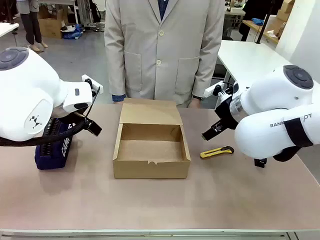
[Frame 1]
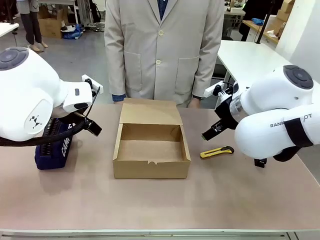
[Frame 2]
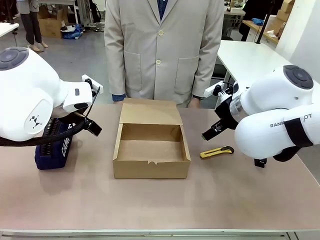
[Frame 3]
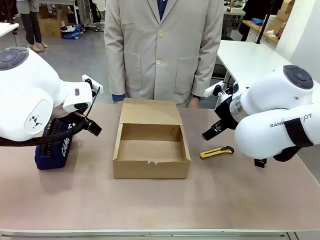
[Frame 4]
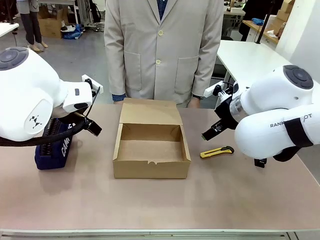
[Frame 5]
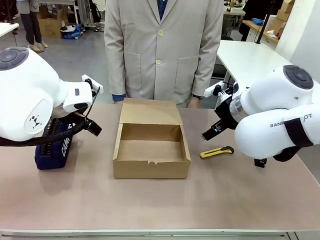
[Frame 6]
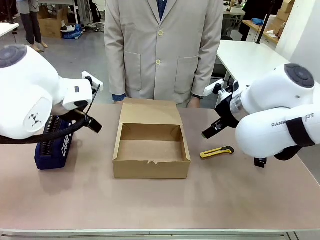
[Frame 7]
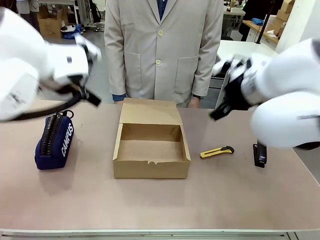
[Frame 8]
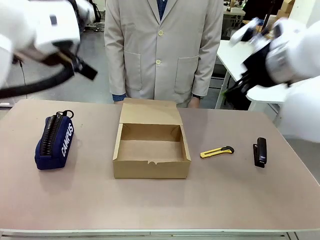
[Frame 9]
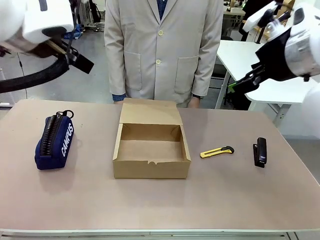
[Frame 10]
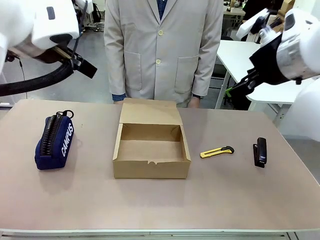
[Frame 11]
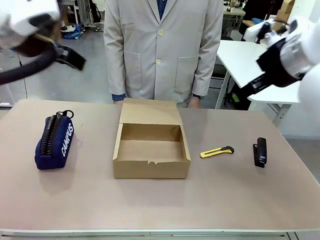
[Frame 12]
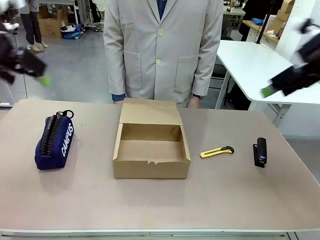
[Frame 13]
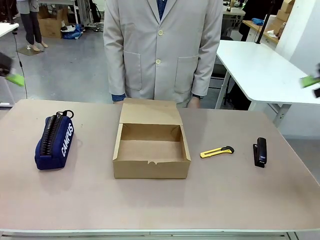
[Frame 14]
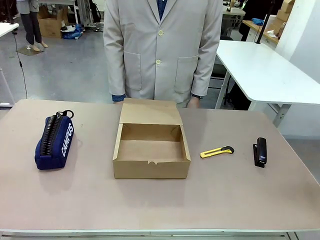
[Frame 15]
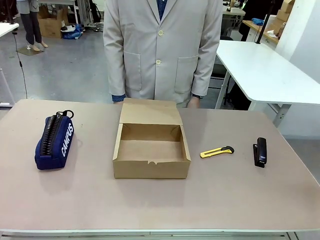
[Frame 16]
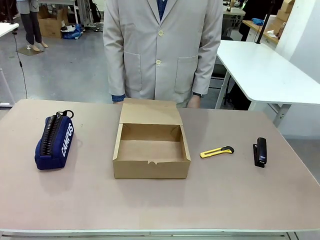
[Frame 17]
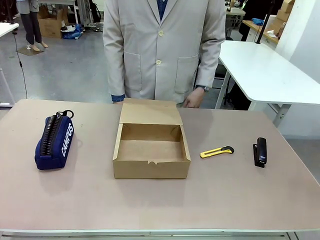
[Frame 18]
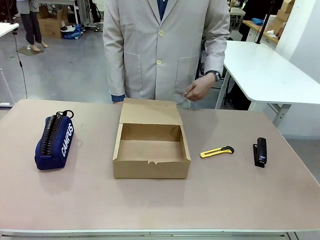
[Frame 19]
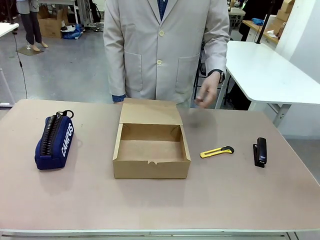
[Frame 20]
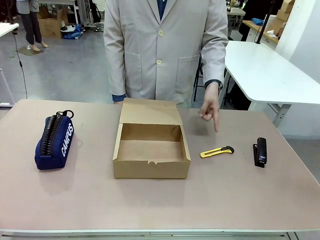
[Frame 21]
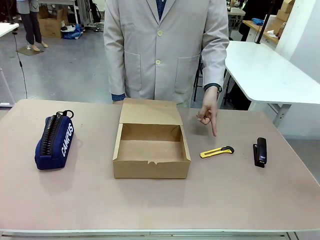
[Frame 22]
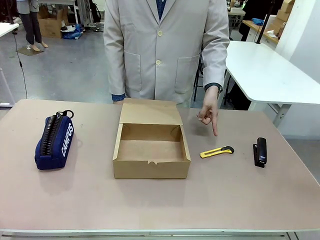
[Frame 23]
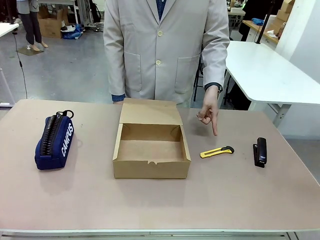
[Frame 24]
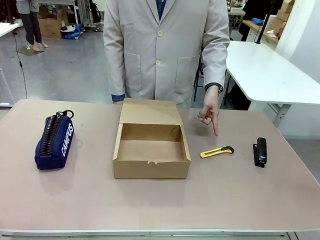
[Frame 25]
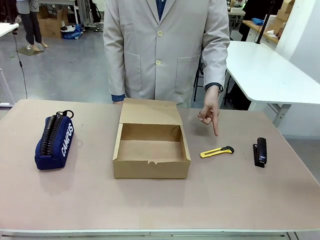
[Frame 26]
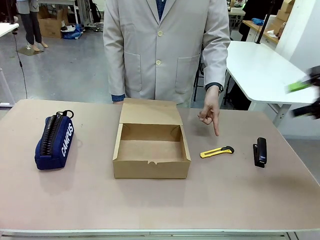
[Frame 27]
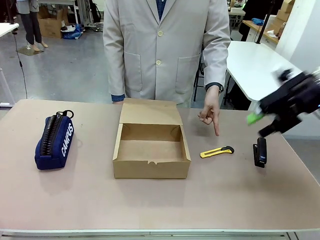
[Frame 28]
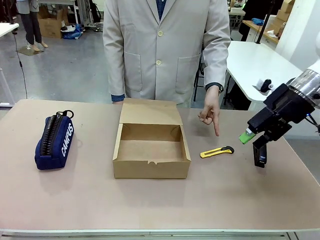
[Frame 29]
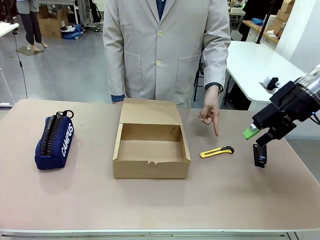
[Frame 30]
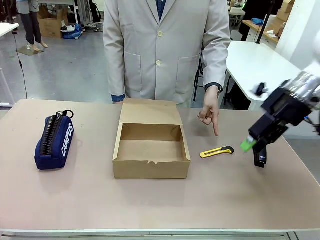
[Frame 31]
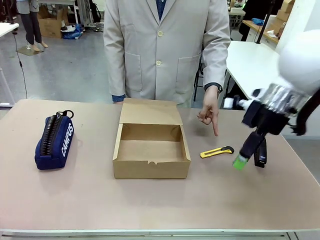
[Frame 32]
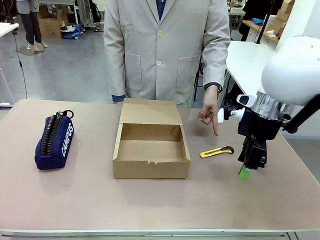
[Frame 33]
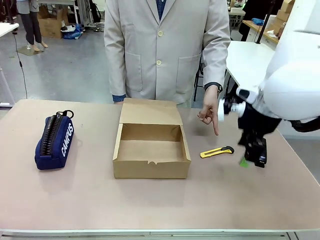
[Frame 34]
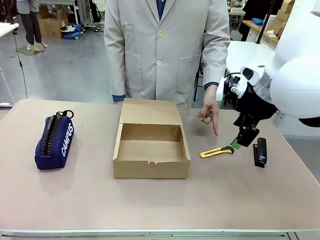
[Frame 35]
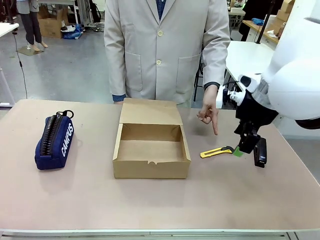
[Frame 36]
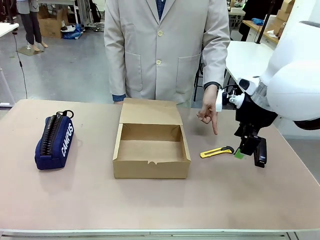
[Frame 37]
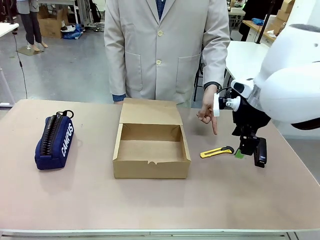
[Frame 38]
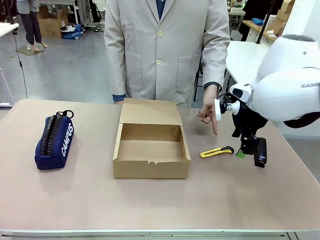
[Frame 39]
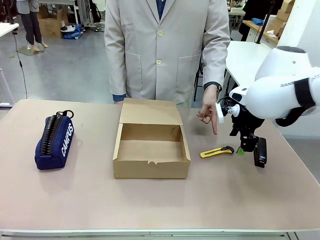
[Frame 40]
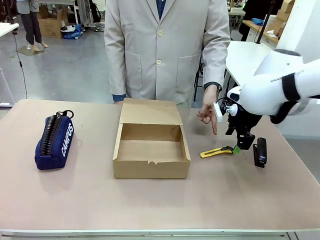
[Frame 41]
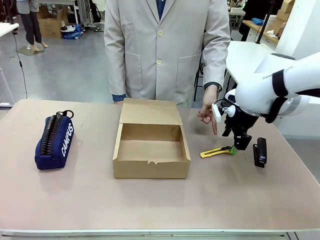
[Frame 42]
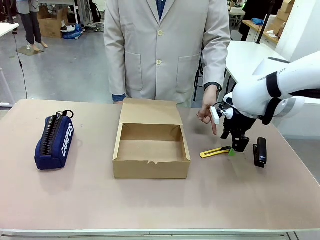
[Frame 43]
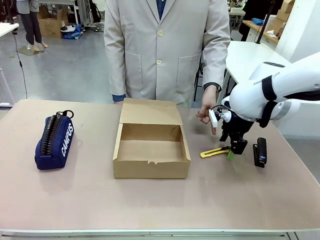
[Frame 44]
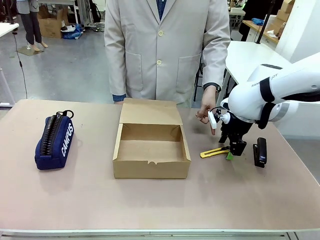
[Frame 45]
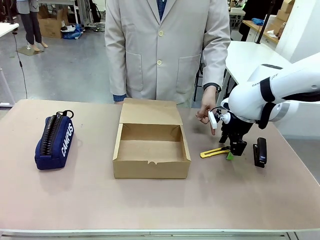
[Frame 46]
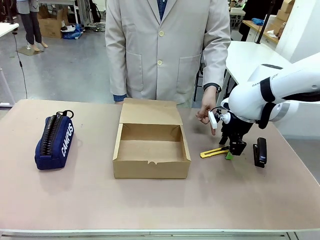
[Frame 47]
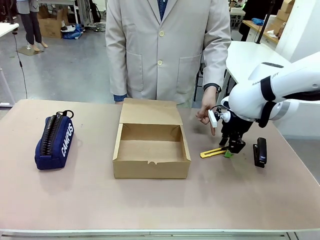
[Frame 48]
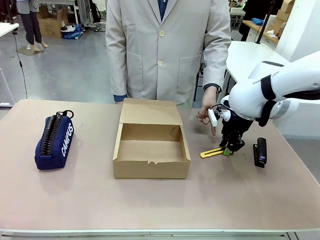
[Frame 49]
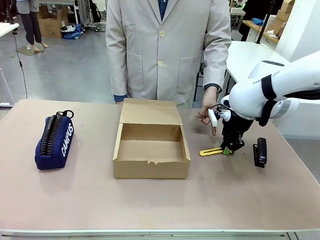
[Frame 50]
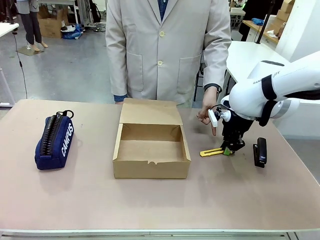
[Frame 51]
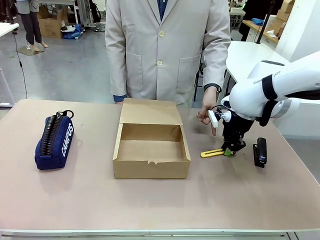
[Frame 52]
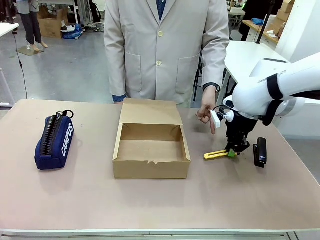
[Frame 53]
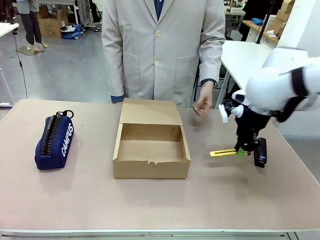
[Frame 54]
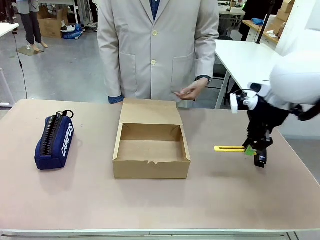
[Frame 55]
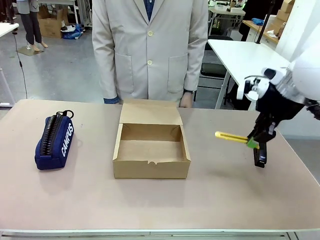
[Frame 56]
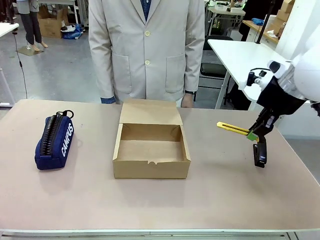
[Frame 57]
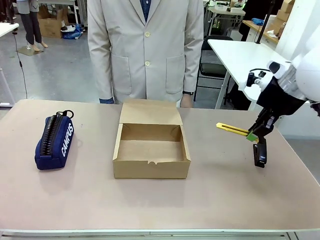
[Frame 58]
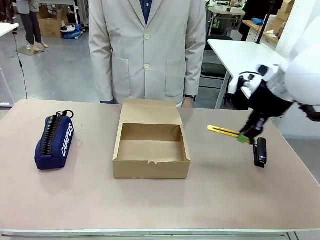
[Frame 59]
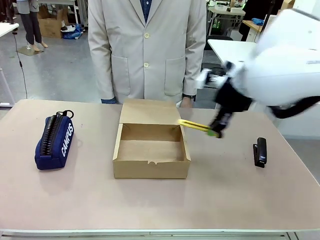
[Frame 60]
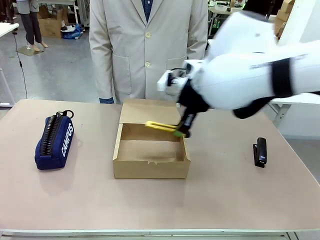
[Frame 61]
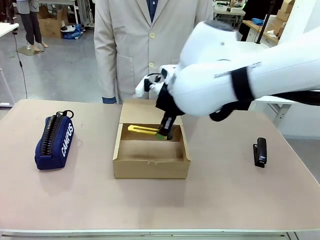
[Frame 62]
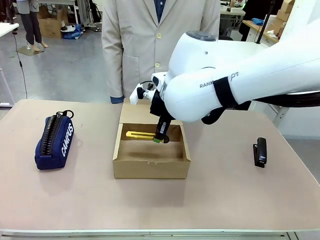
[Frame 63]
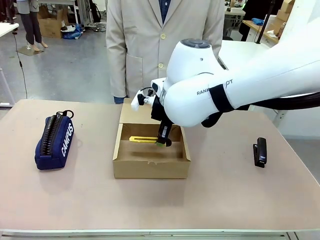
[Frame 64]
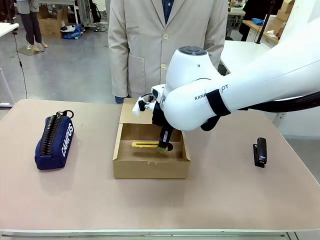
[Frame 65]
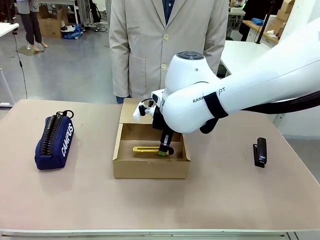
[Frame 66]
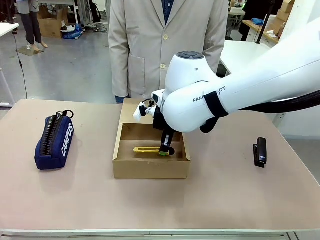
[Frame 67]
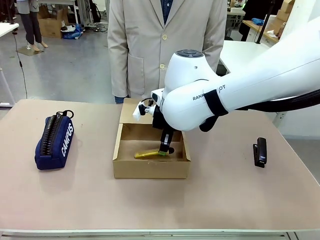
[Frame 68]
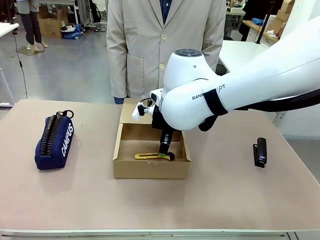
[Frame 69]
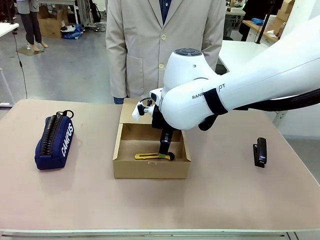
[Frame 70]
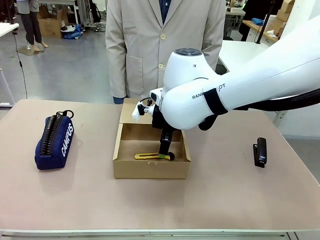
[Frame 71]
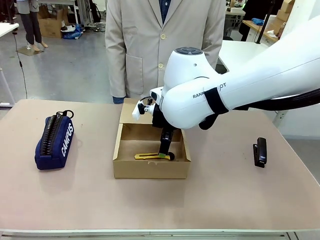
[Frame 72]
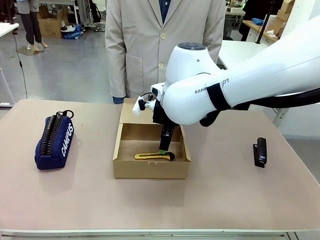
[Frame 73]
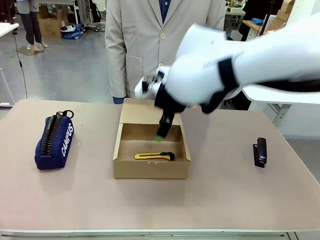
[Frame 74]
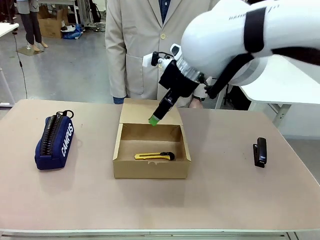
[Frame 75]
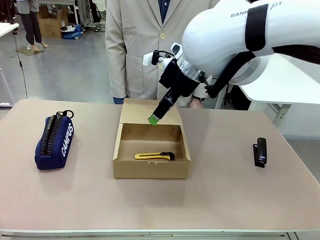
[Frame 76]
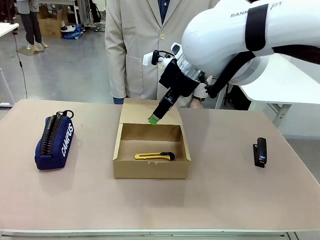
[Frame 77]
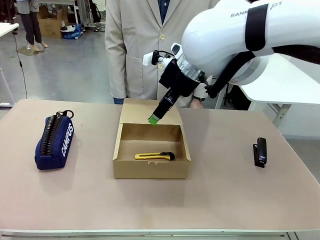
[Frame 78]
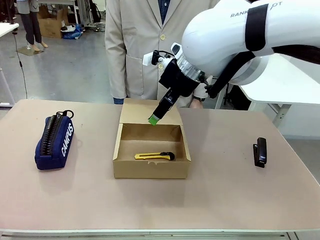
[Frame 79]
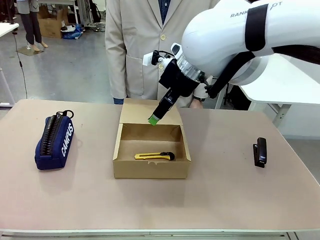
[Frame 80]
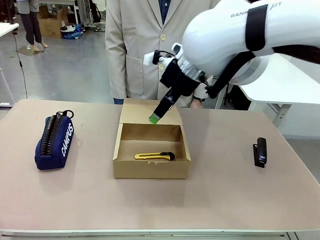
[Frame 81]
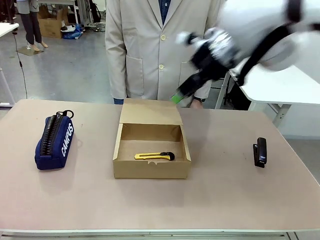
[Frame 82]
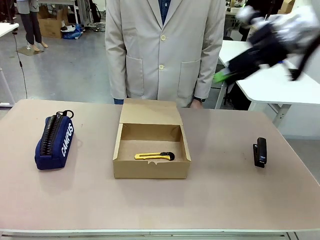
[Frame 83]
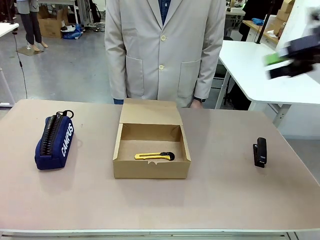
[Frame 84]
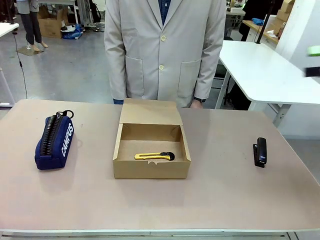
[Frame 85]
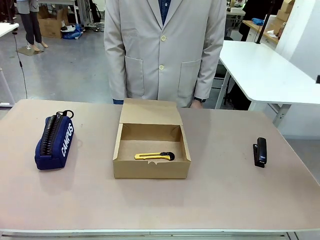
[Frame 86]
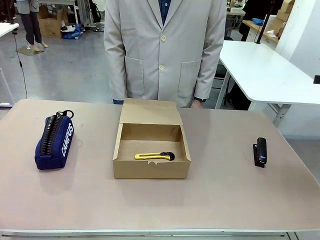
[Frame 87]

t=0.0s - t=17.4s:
Task: Pack the item into the box.
Robot: Pick up the item indicated by the person and place it inside the Mailer Box.
Person: Point at one item on the table (excluding the box).
